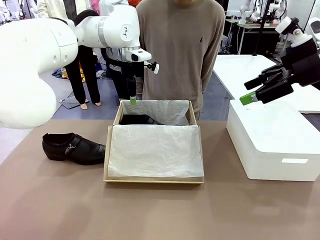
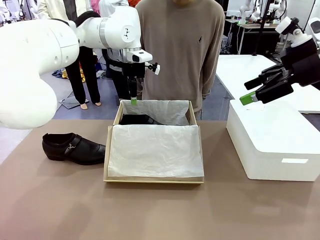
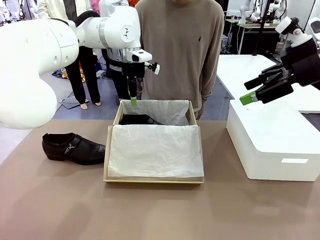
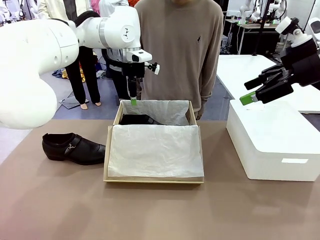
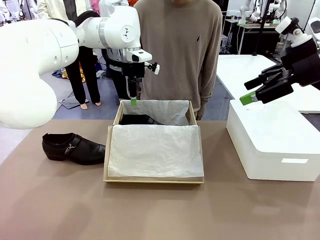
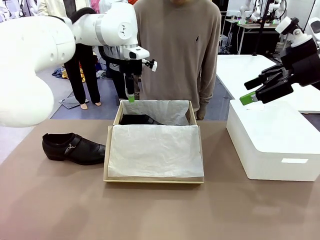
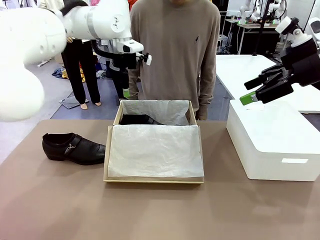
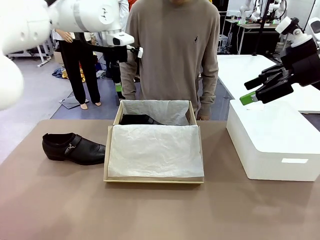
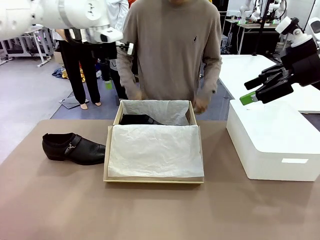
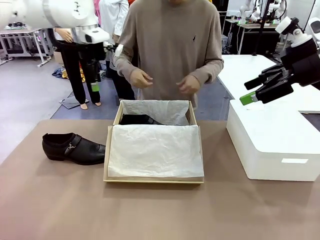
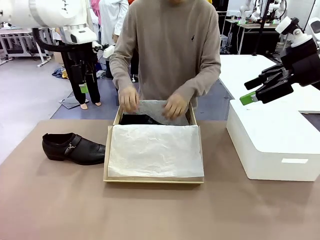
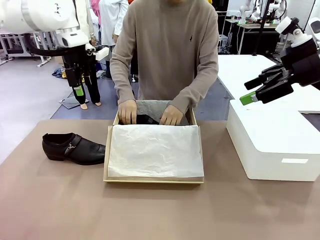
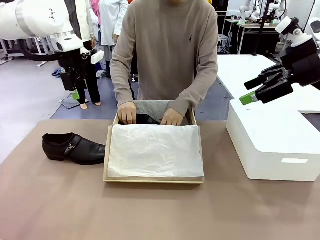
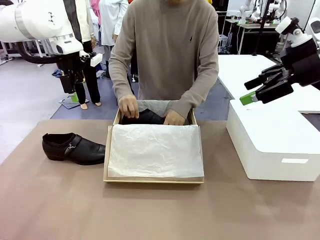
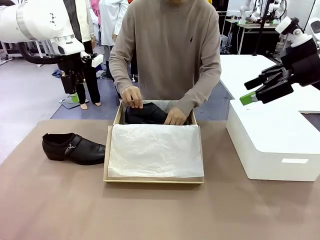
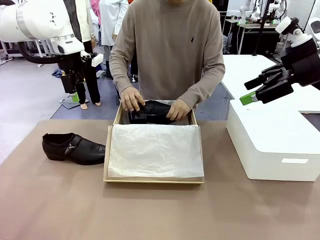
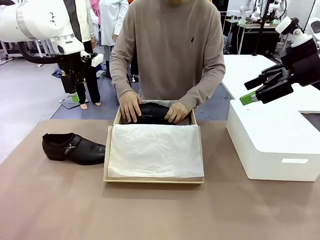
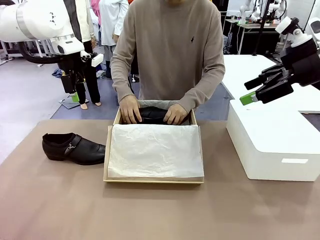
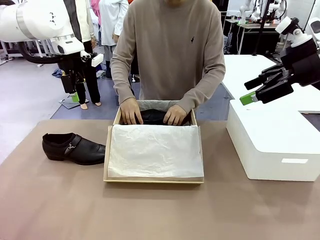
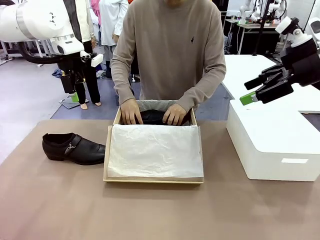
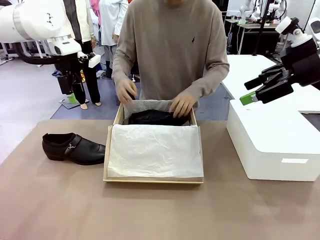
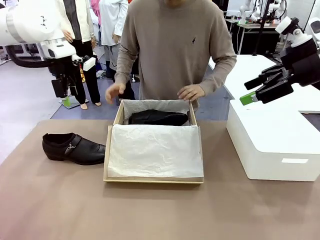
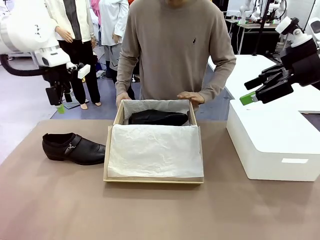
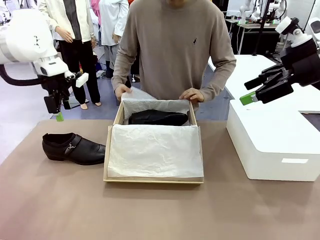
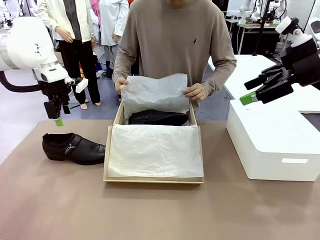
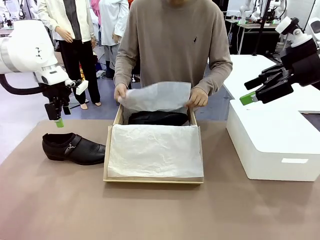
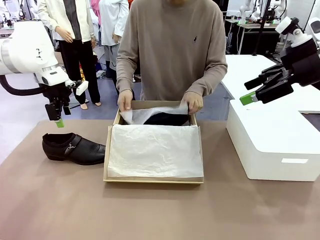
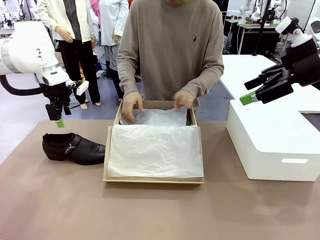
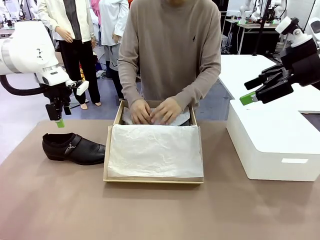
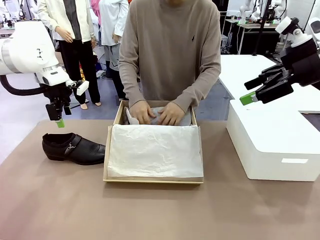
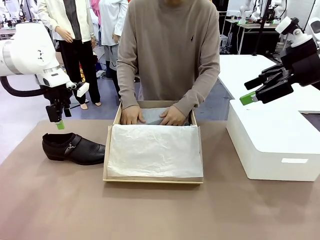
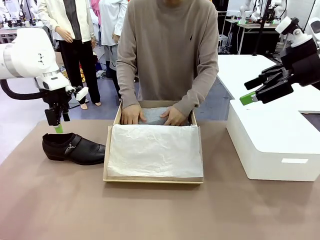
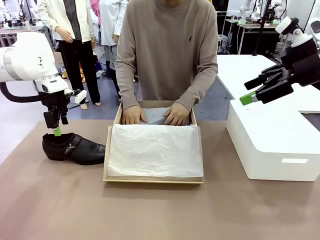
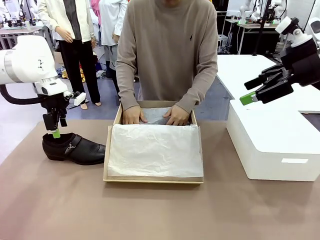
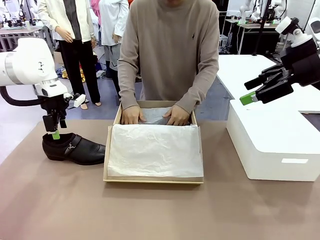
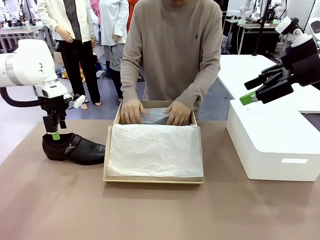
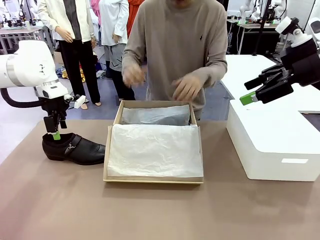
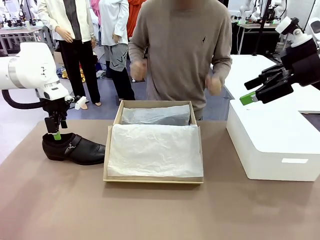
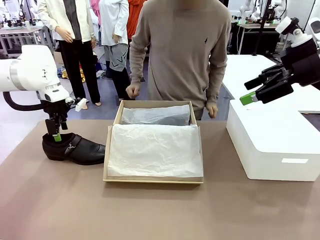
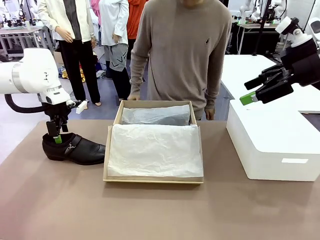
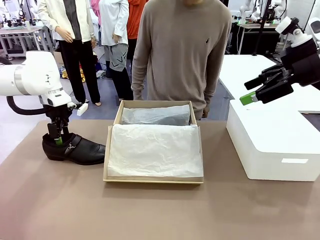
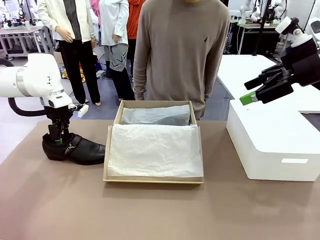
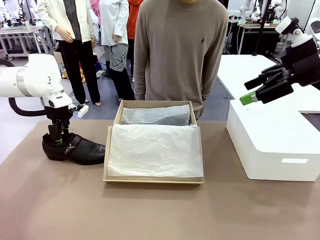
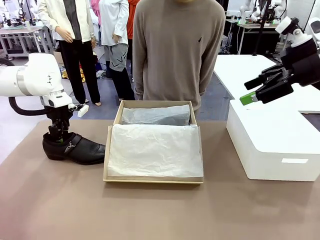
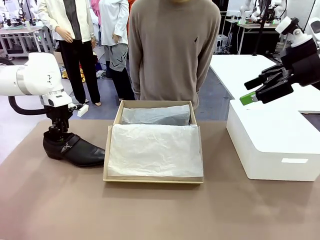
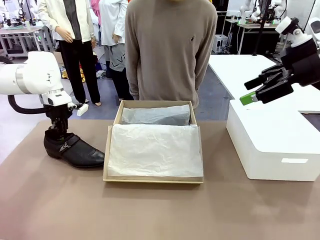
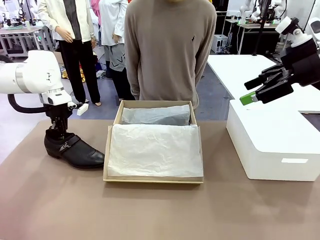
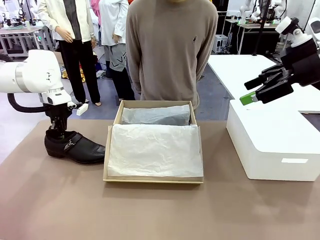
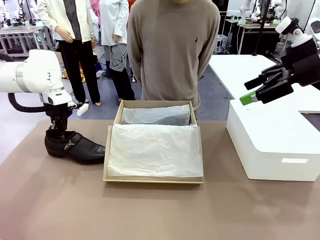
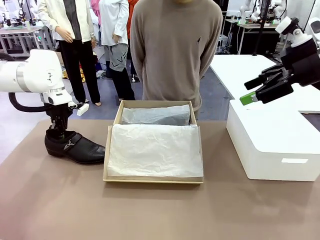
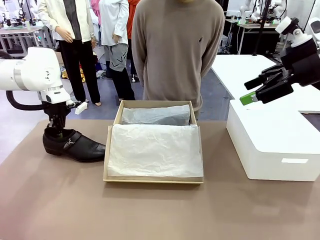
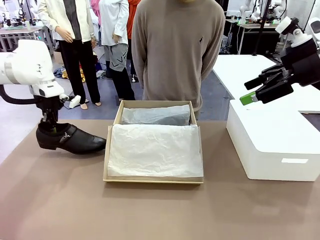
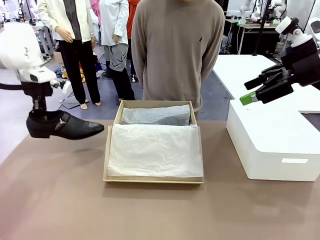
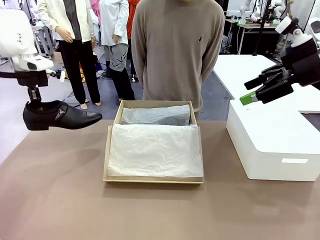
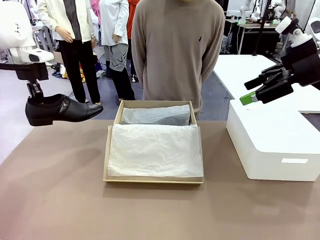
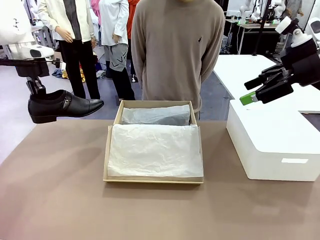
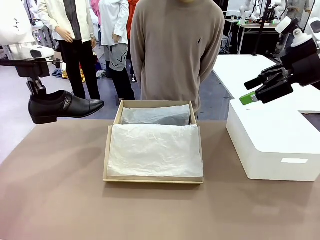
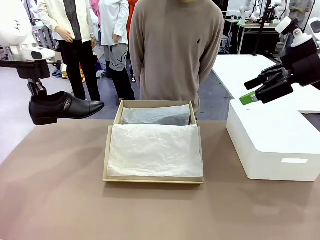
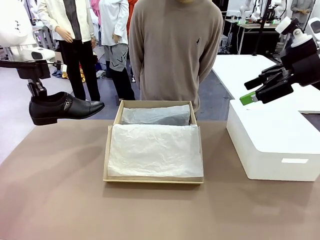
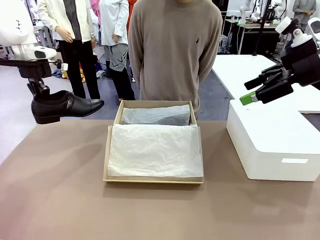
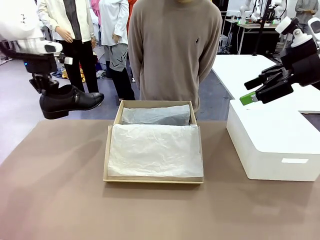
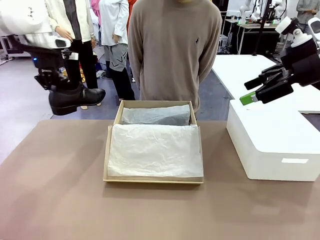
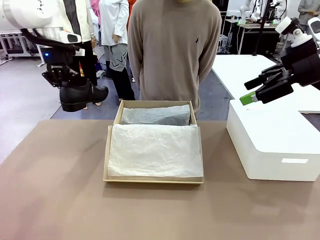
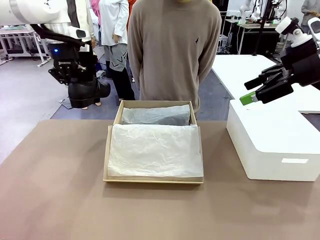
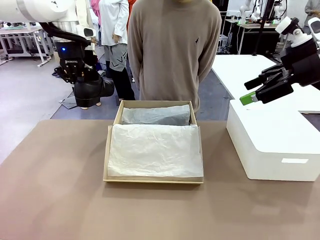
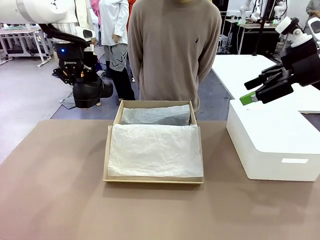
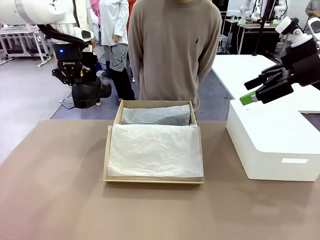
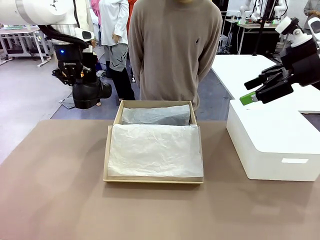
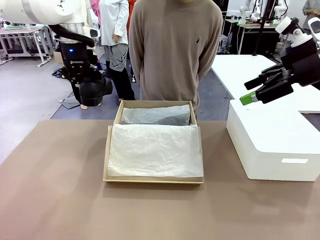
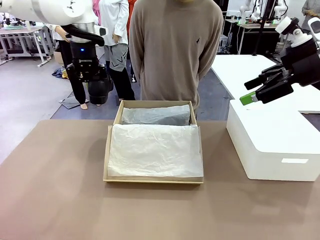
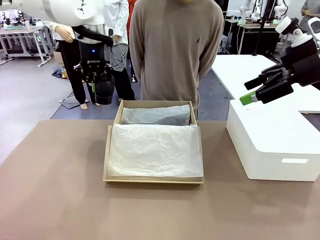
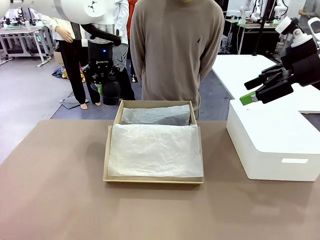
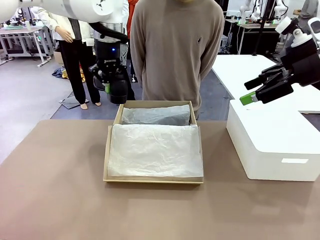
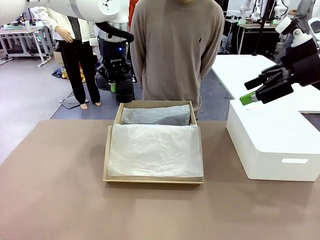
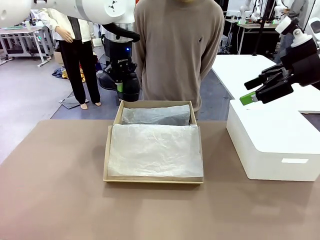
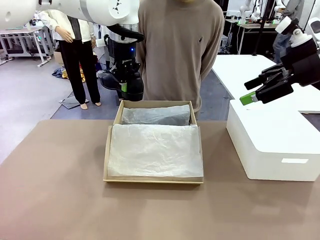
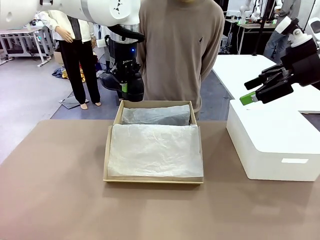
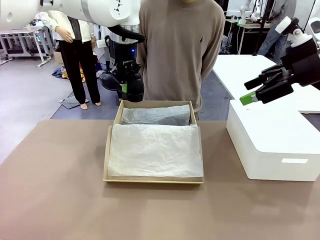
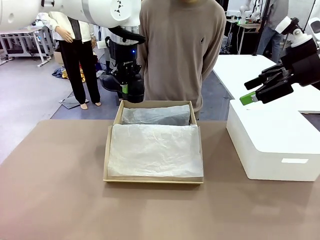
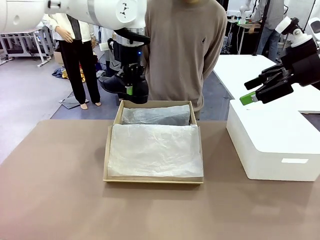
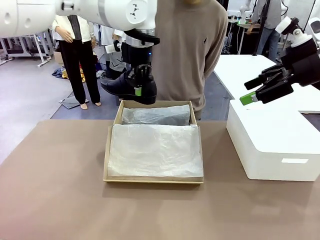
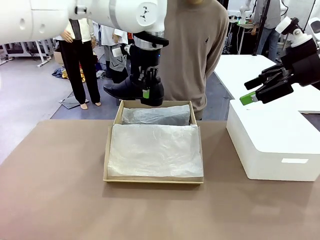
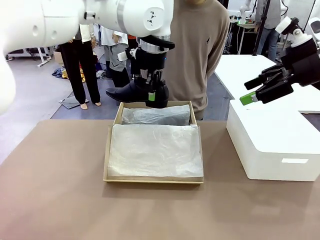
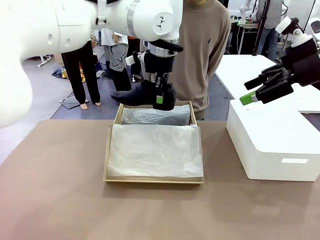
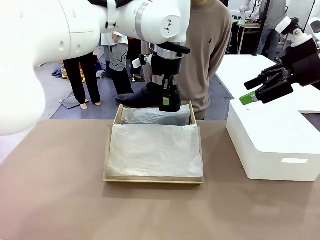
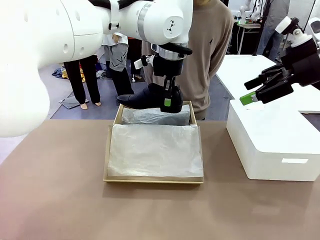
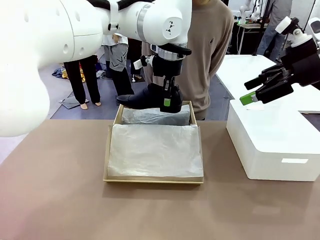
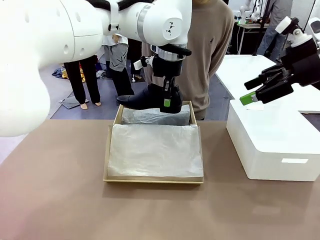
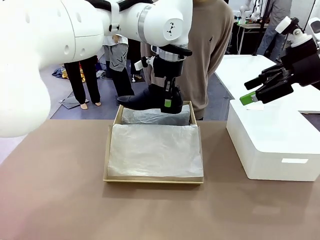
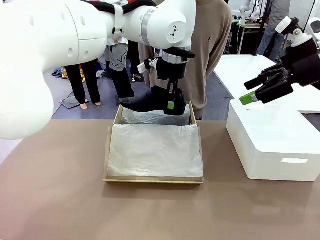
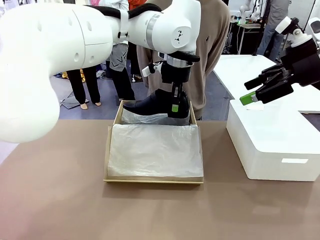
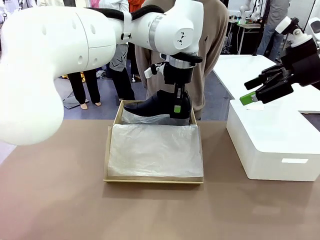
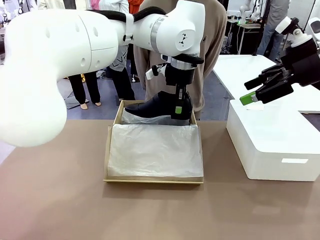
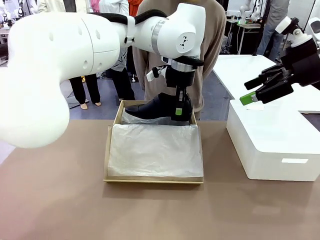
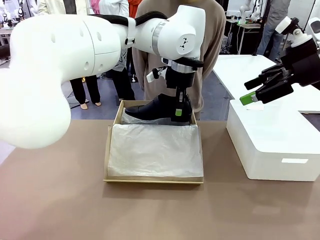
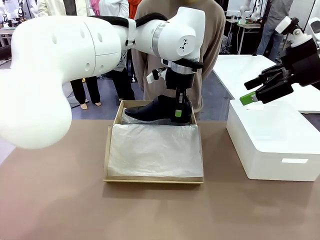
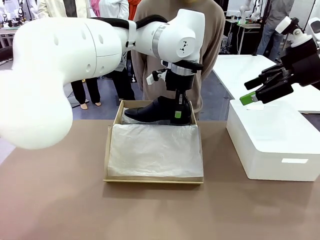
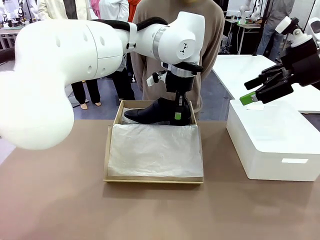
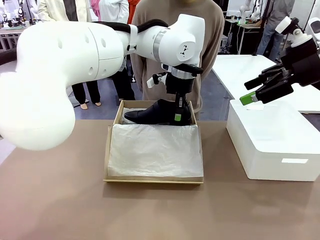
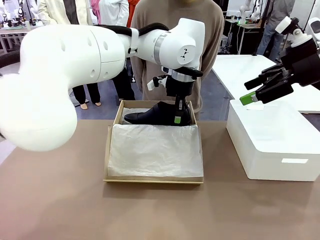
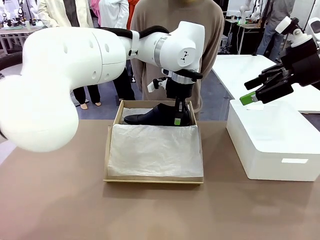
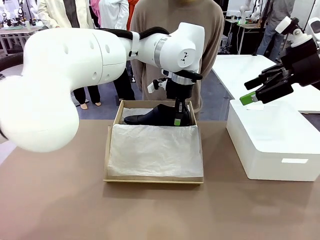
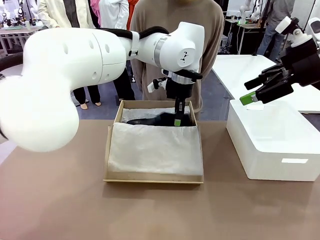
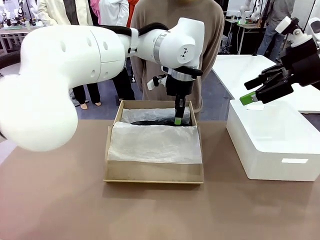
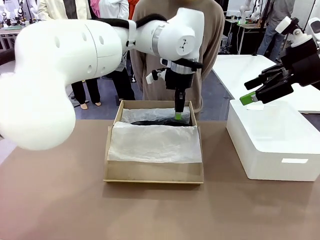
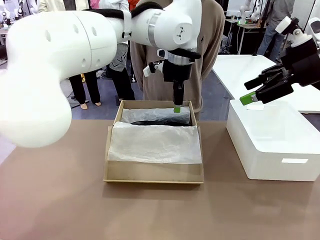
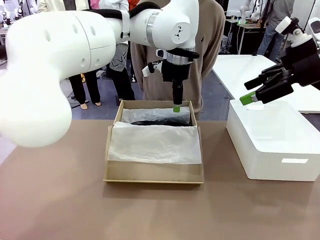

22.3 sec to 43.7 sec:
Task: Pack the shoes into the box.
Robot: Place the other shoe of the Shoes into the Shoes Box.
Person: Pack a shoe of Shoes inside the Shoes Box with Shoes Wrapping Paper.
